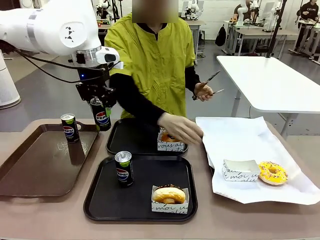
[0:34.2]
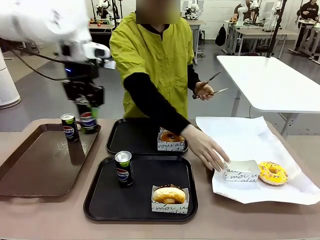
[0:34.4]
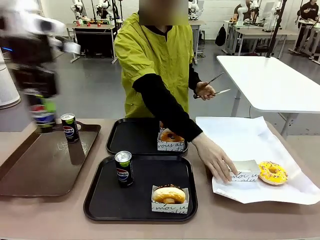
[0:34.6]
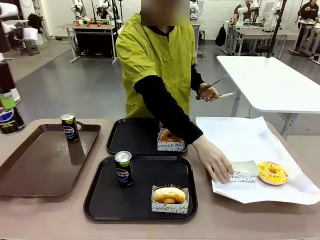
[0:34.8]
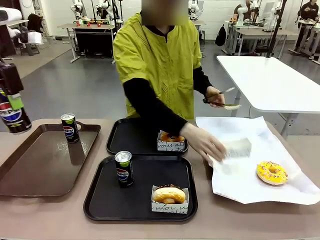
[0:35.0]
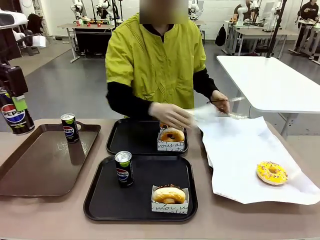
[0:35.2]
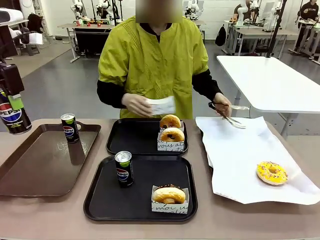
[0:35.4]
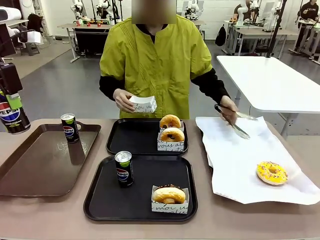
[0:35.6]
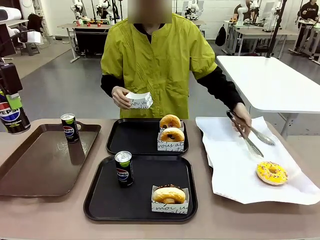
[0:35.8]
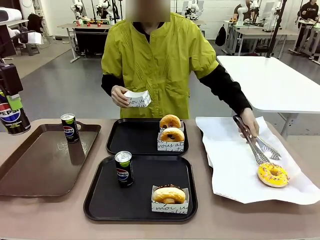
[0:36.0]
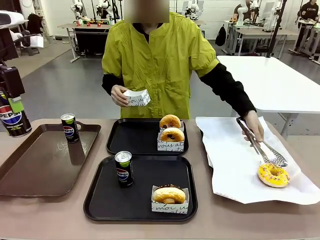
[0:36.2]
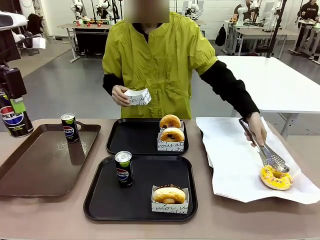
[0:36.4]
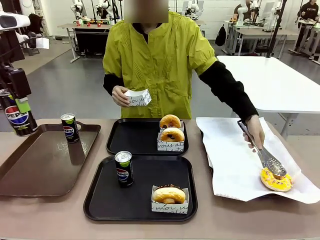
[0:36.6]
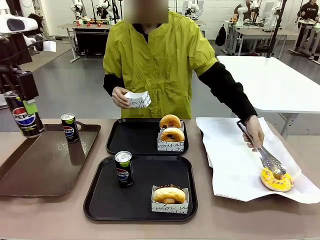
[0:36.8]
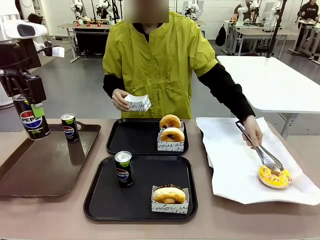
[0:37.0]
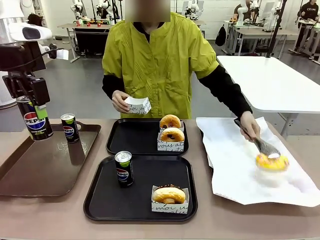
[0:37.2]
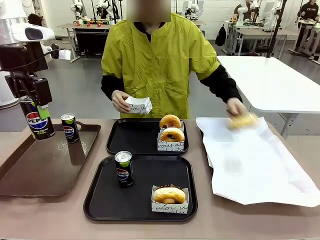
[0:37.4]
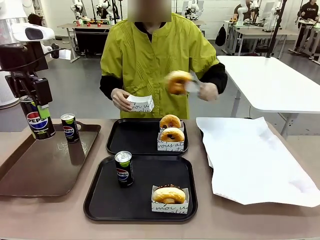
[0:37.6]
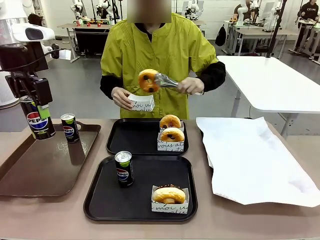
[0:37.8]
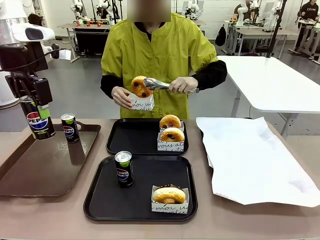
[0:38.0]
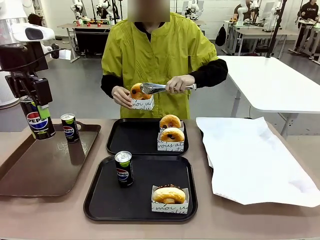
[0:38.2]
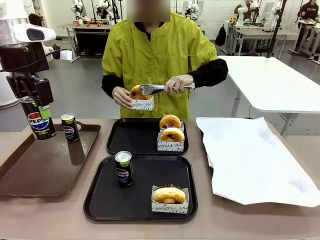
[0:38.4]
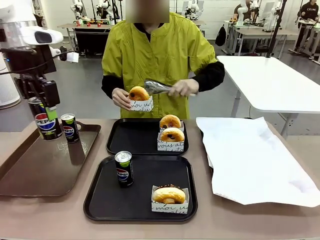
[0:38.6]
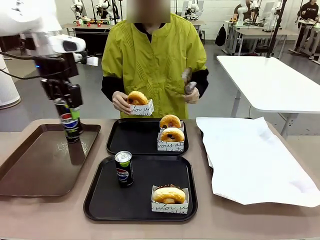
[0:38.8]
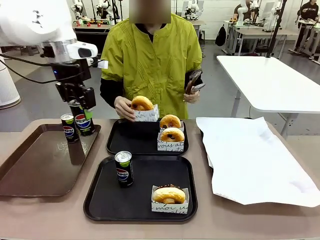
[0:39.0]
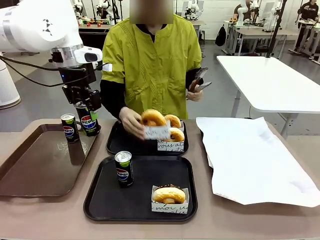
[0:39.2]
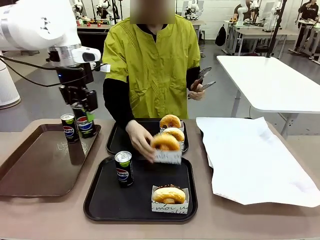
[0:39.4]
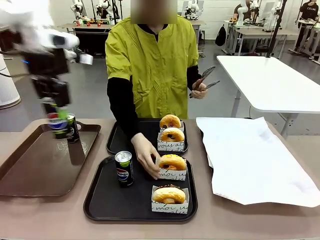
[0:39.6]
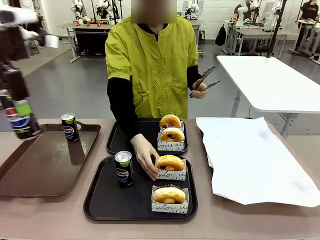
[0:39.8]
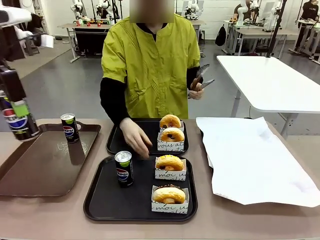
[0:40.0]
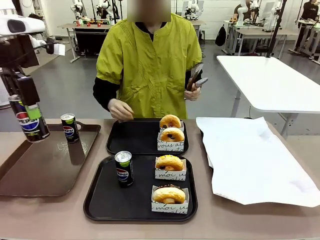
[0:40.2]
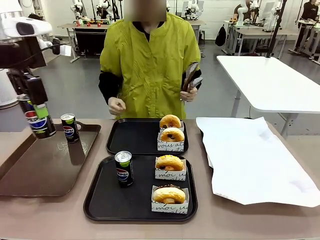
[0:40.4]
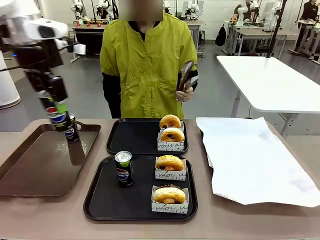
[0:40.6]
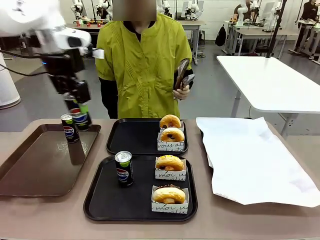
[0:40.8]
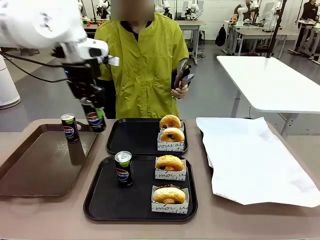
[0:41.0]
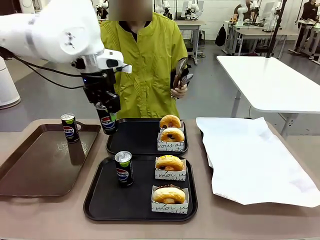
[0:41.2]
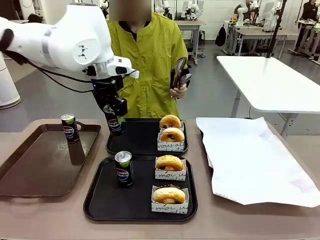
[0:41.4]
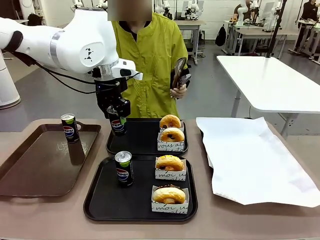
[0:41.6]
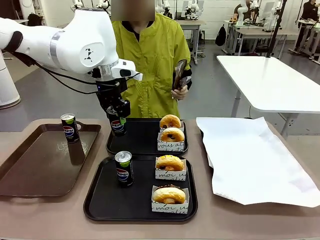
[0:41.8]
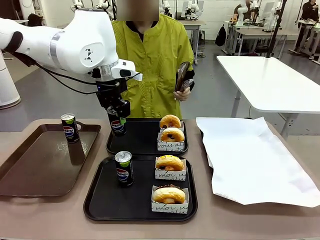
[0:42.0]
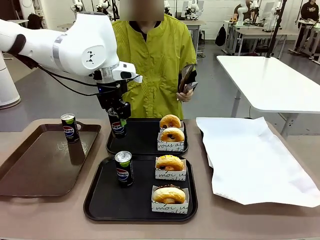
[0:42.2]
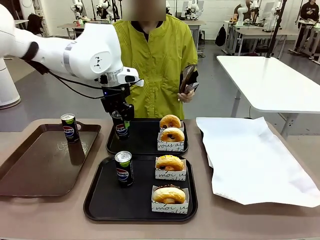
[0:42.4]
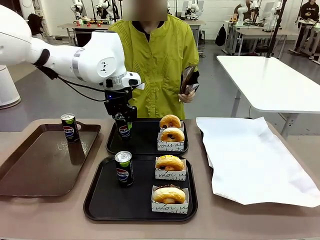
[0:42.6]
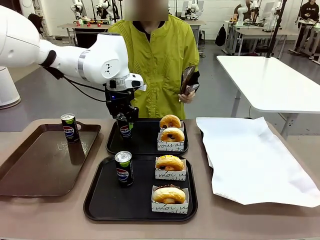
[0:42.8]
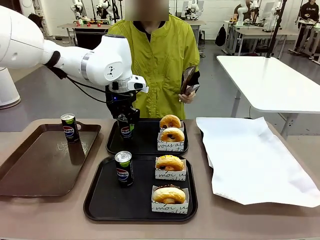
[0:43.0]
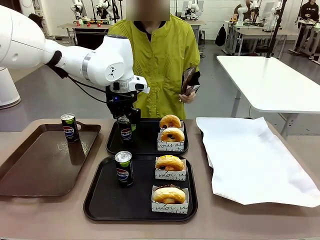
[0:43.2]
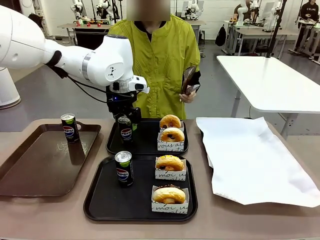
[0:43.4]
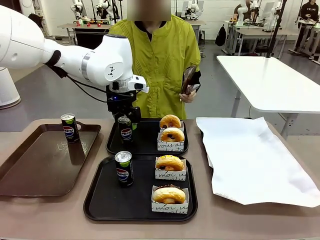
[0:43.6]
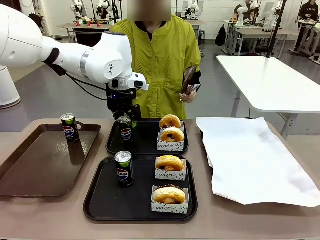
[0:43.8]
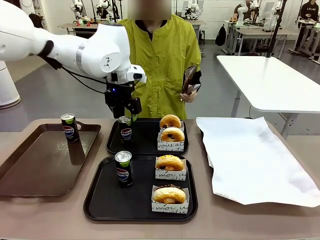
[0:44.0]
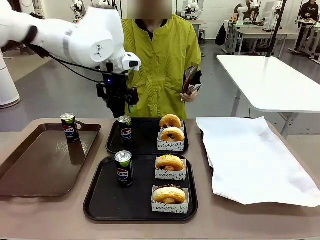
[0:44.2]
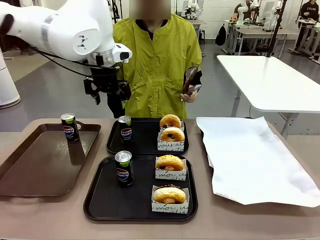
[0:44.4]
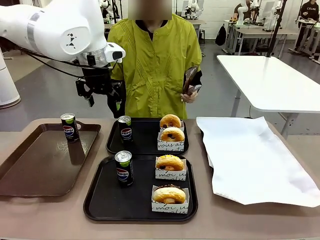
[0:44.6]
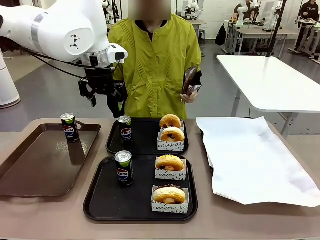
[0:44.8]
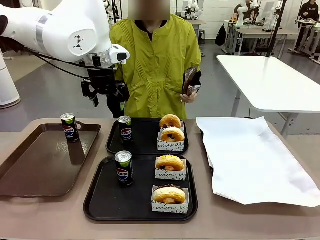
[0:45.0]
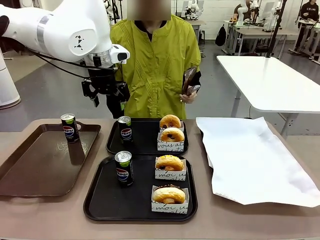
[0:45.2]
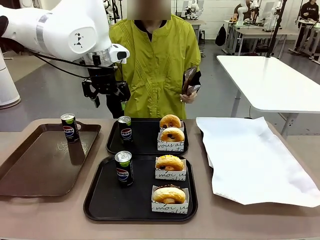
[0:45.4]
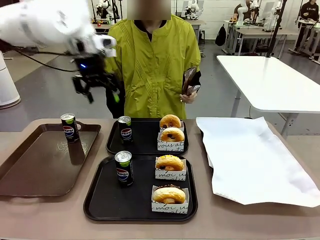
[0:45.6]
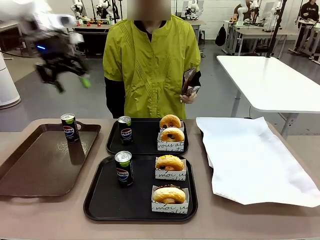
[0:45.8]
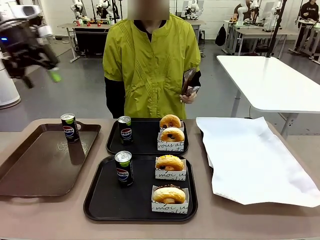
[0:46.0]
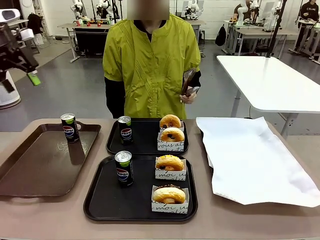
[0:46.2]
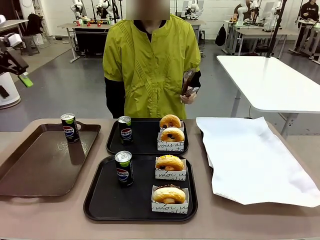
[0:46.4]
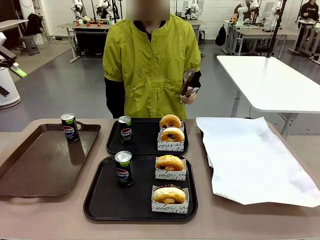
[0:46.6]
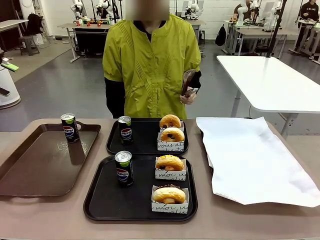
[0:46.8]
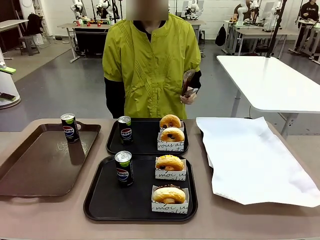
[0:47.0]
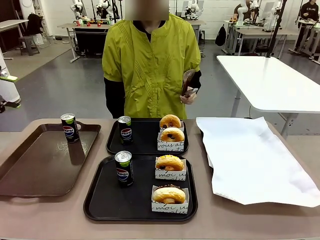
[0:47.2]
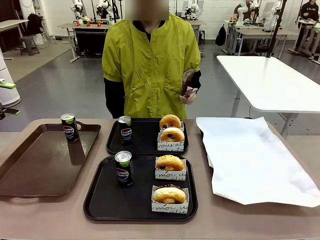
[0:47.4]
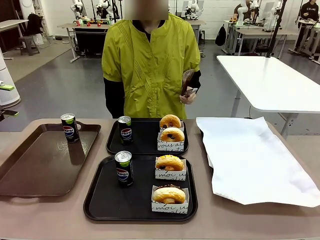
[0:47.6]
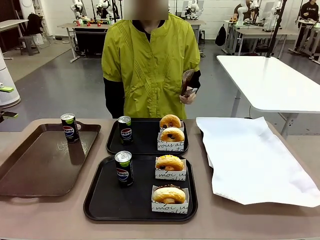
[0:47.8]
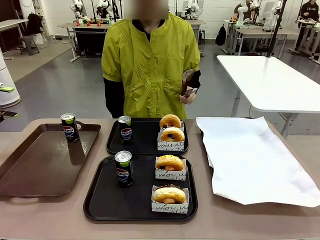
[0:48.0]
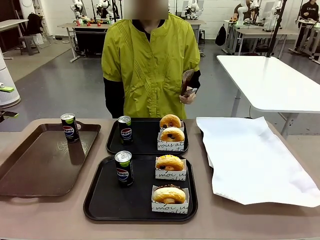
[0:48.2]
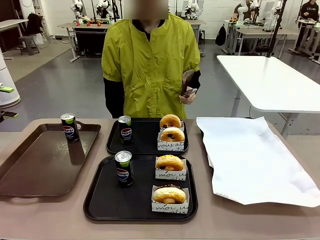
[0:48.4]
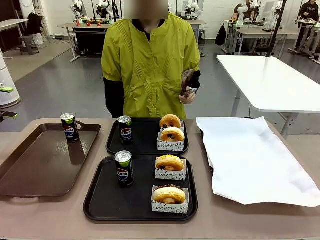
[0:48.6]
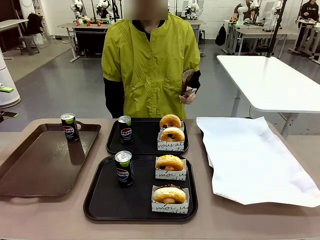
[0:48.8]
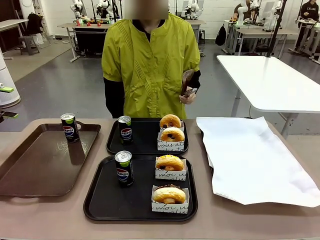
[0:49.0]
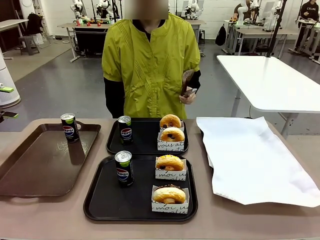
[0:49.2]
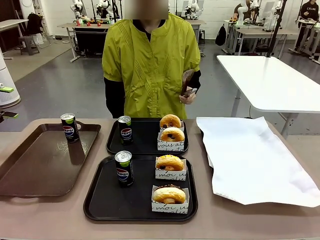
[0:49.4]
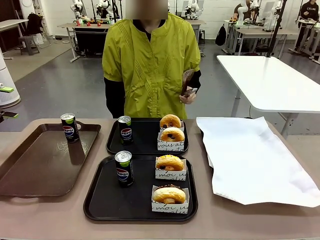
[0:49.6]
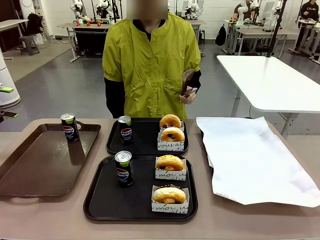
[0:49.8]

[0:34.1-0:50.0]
Task: Set up donuts and drinks on trays.
Robot: Pick up one Pepsi coke from the Handle tray and place it on the Flat Tray without a Pepsi coke.
